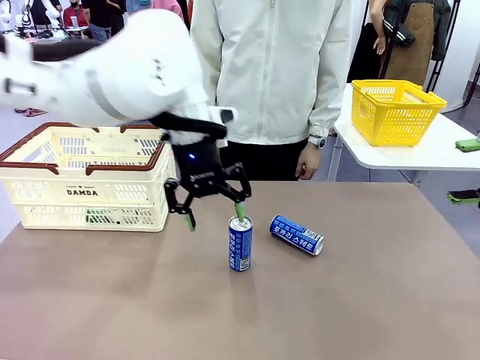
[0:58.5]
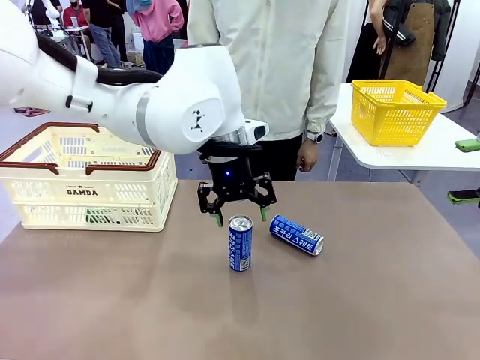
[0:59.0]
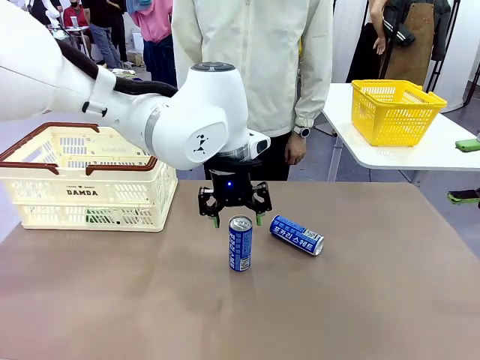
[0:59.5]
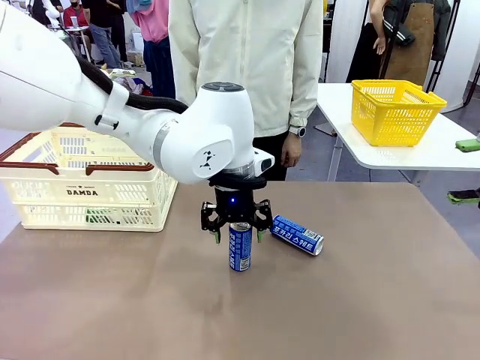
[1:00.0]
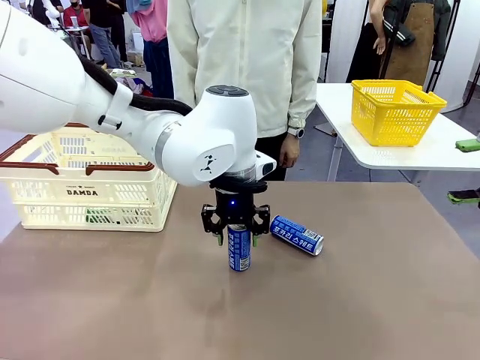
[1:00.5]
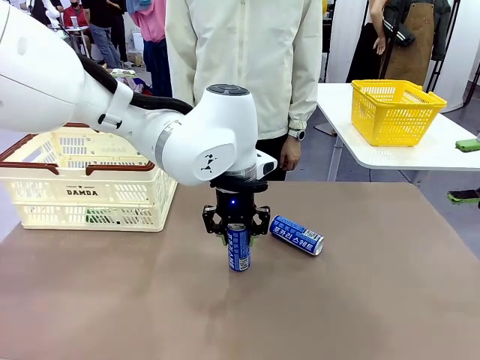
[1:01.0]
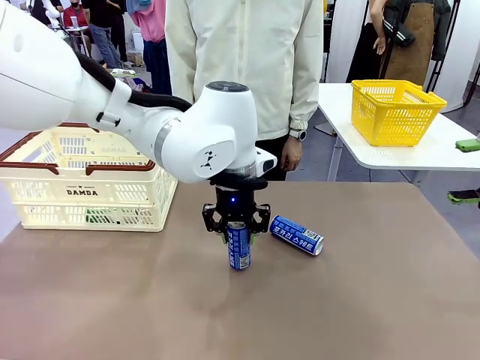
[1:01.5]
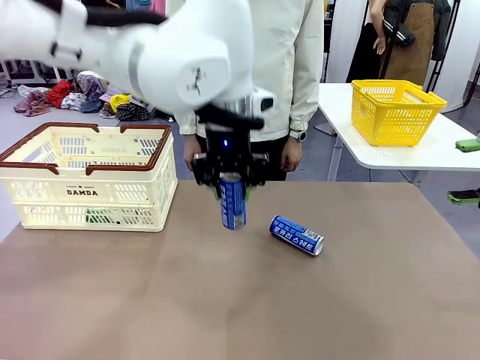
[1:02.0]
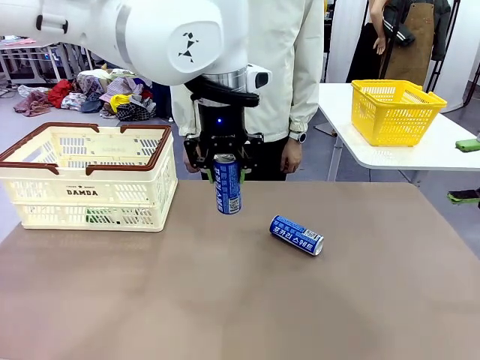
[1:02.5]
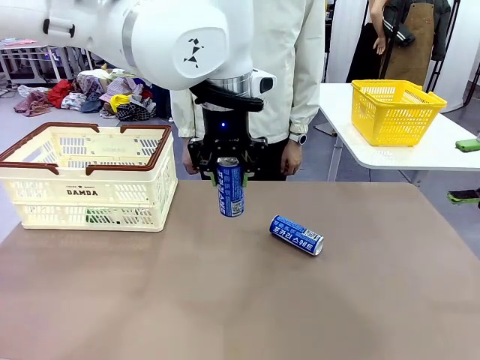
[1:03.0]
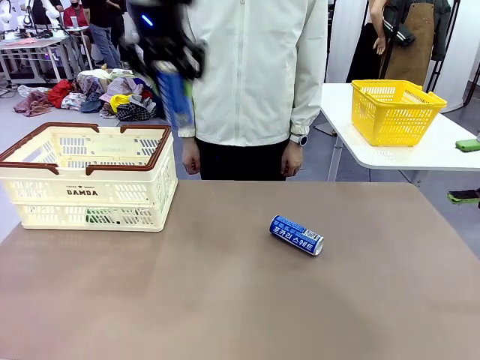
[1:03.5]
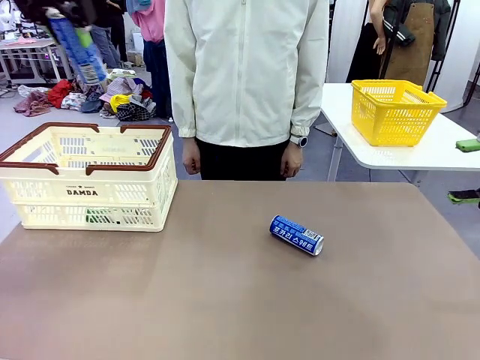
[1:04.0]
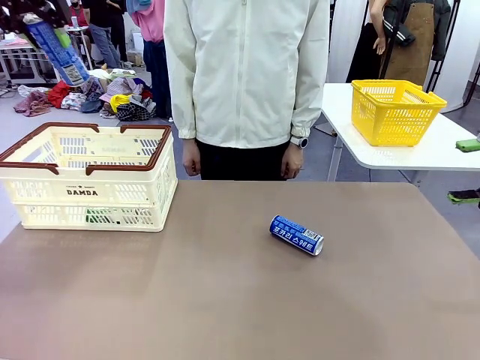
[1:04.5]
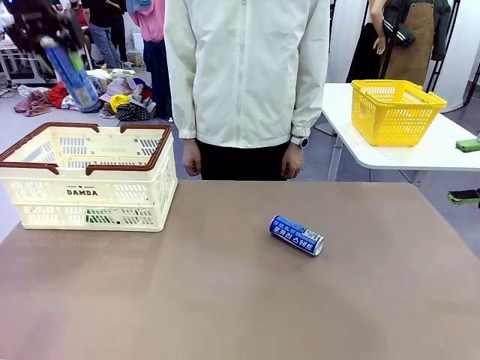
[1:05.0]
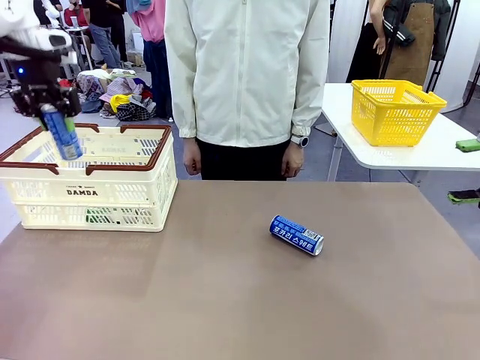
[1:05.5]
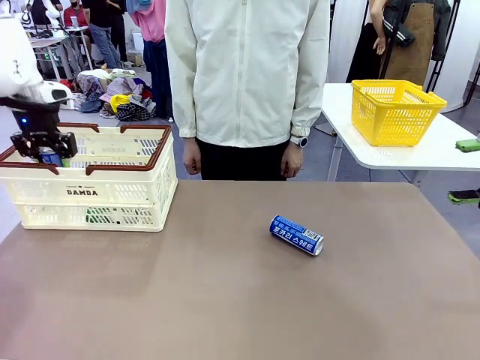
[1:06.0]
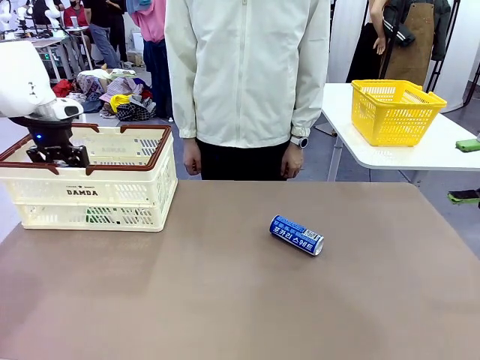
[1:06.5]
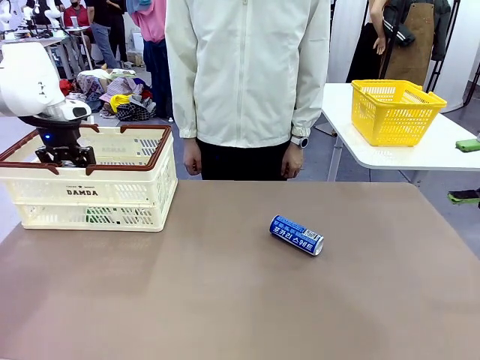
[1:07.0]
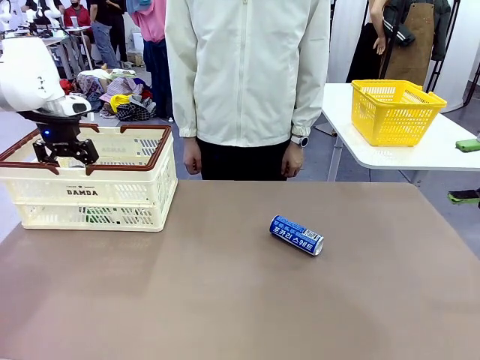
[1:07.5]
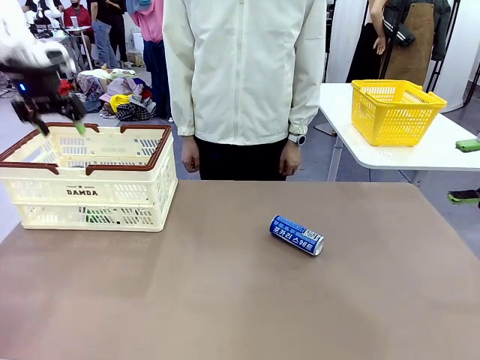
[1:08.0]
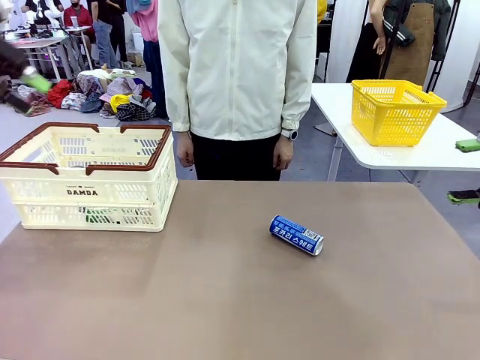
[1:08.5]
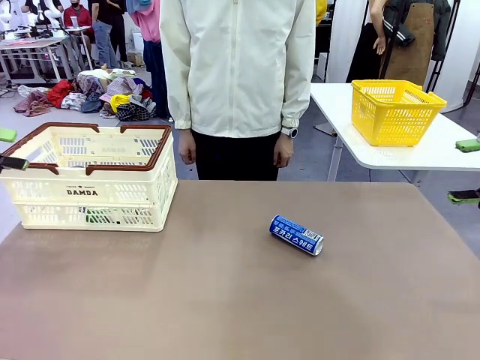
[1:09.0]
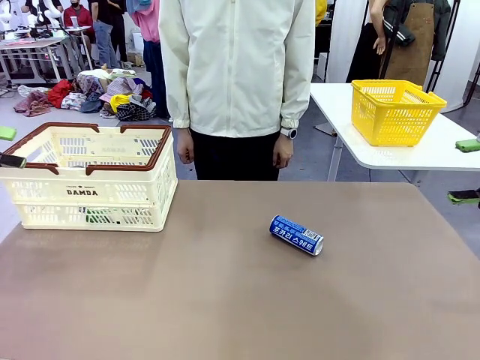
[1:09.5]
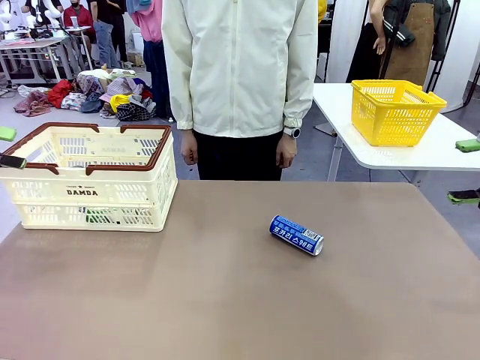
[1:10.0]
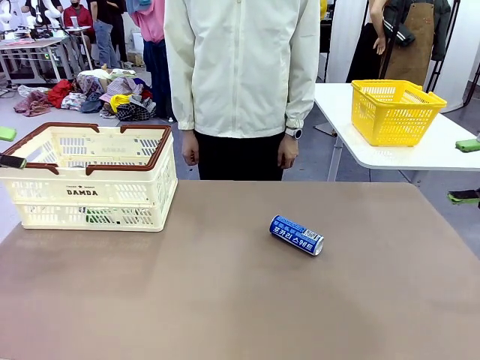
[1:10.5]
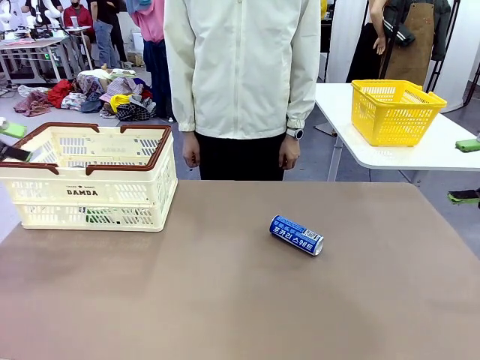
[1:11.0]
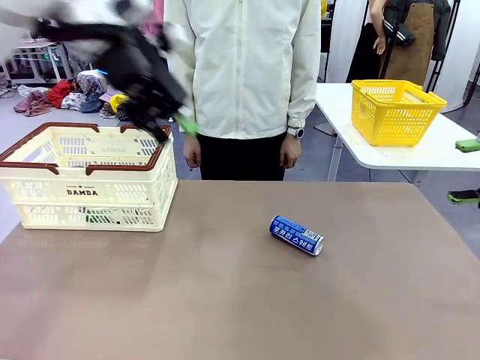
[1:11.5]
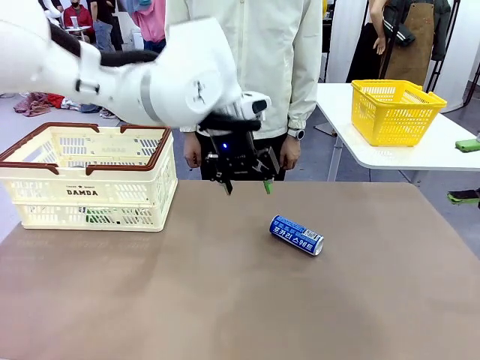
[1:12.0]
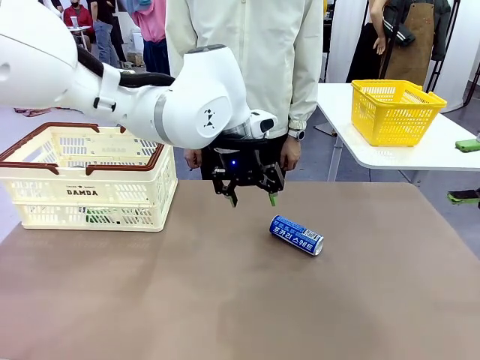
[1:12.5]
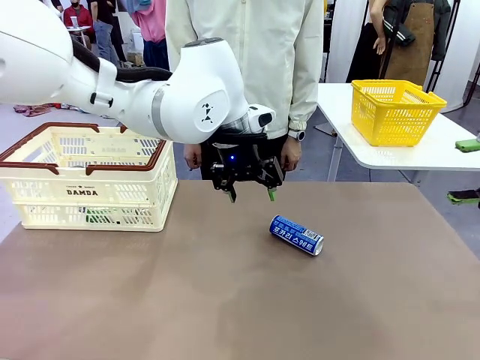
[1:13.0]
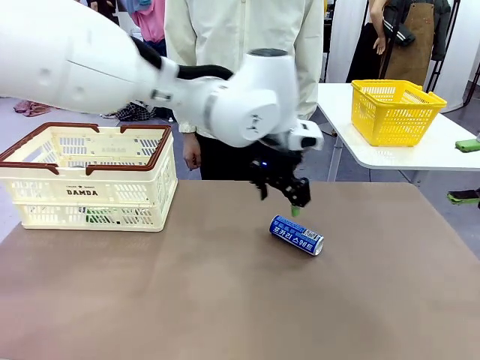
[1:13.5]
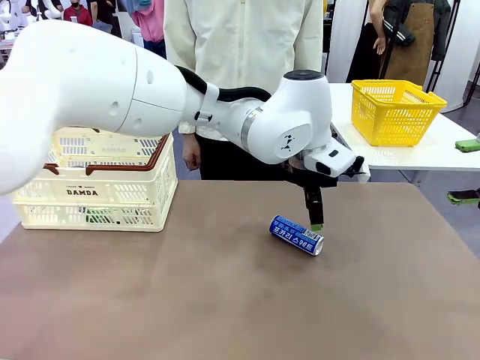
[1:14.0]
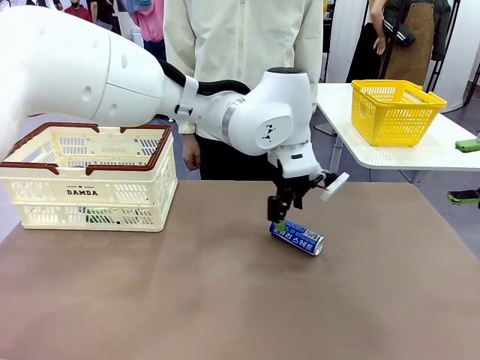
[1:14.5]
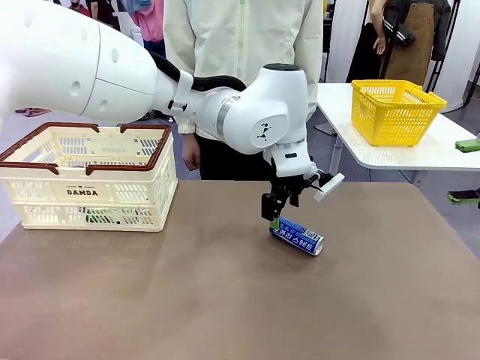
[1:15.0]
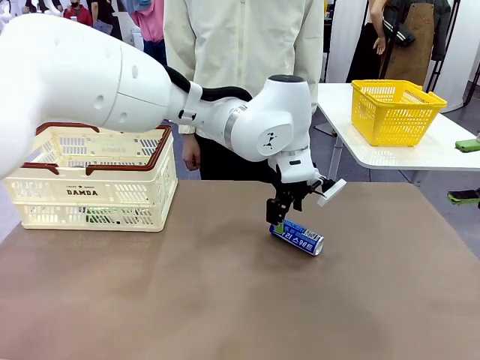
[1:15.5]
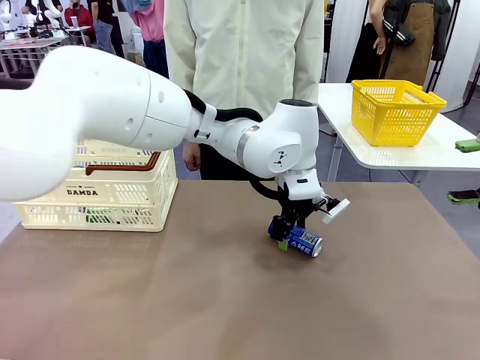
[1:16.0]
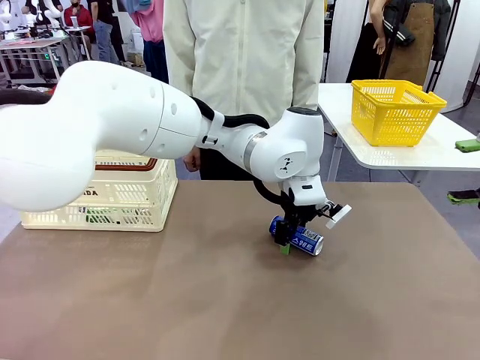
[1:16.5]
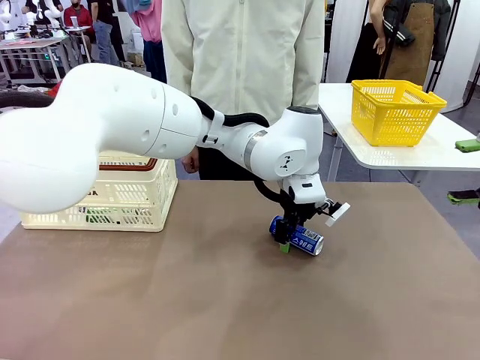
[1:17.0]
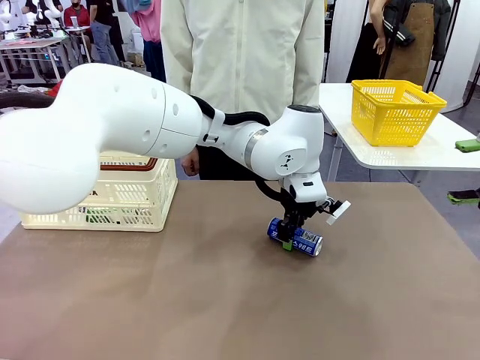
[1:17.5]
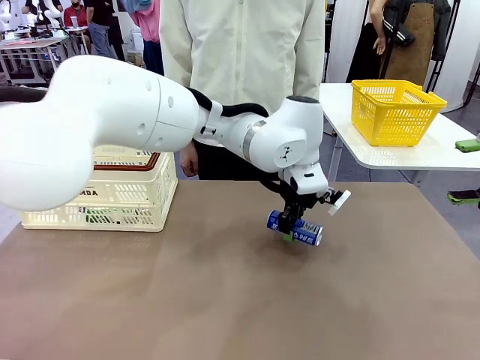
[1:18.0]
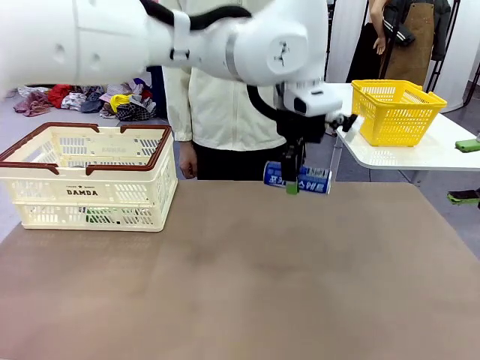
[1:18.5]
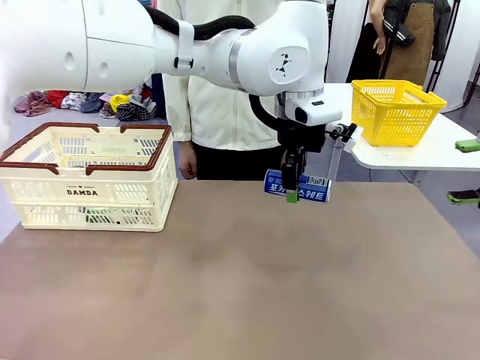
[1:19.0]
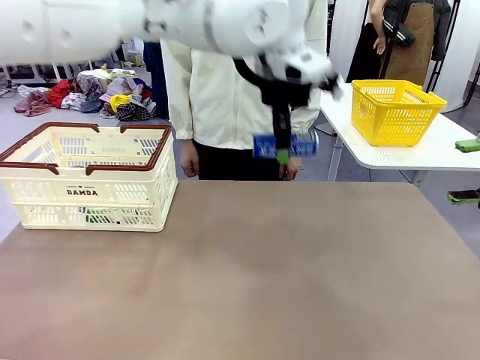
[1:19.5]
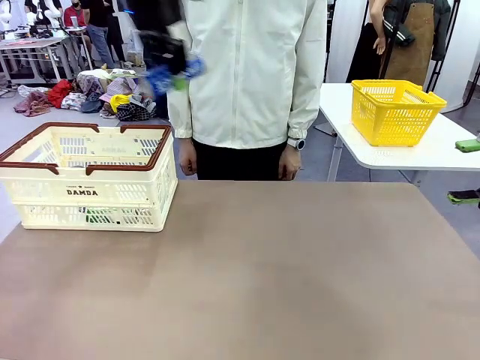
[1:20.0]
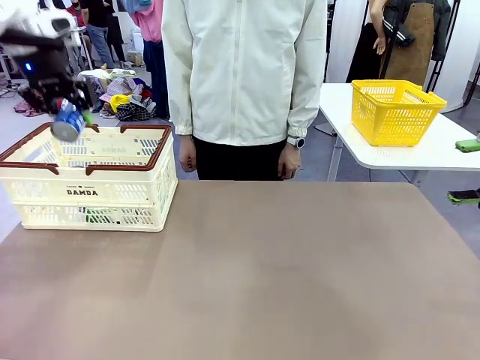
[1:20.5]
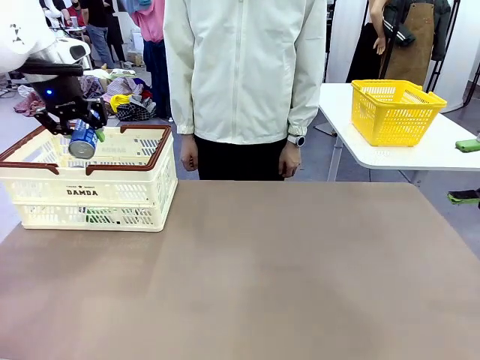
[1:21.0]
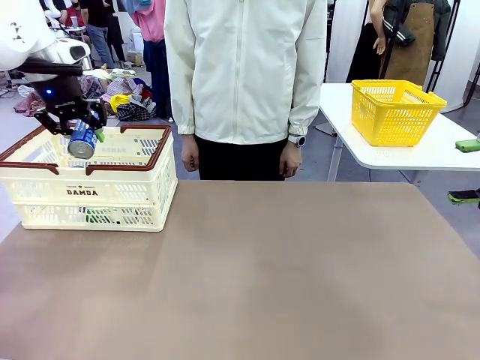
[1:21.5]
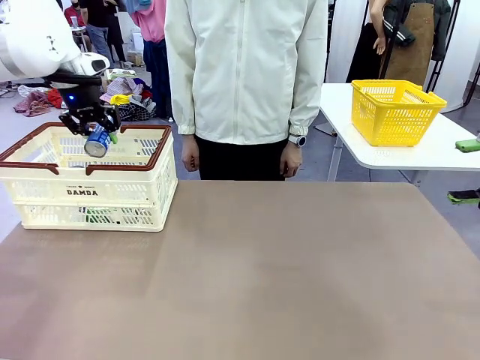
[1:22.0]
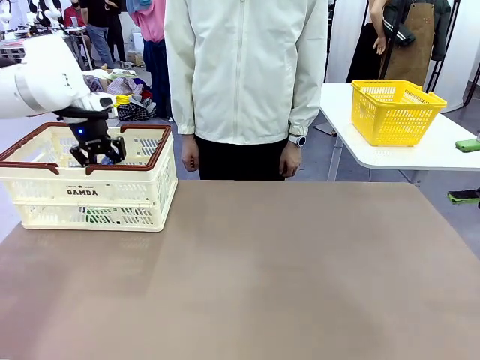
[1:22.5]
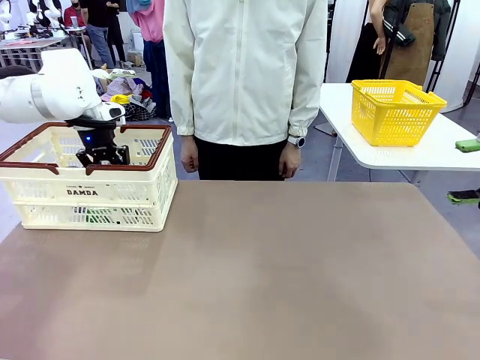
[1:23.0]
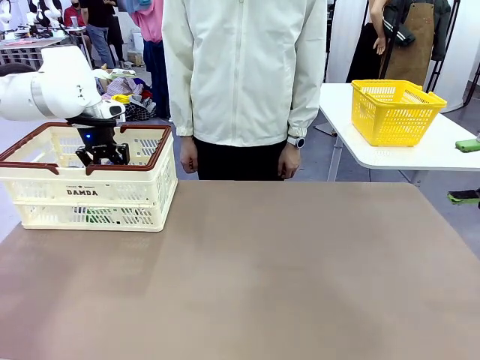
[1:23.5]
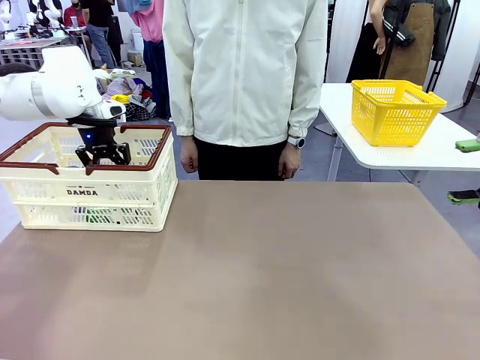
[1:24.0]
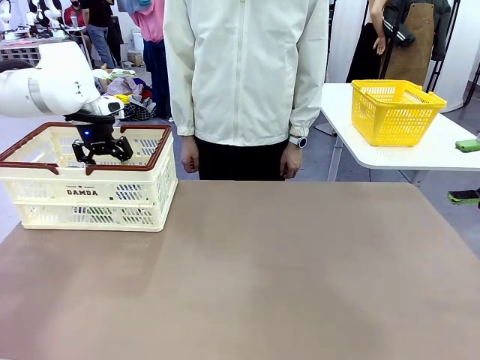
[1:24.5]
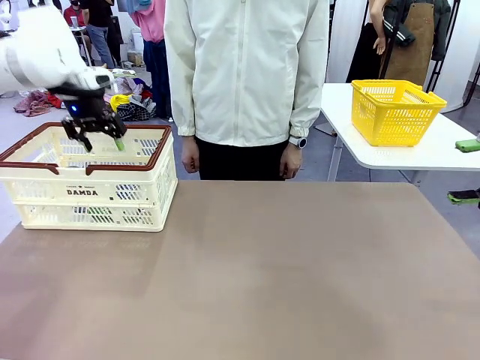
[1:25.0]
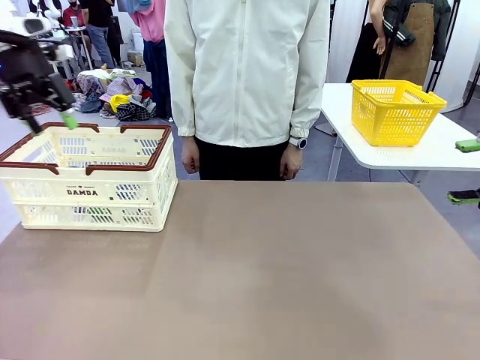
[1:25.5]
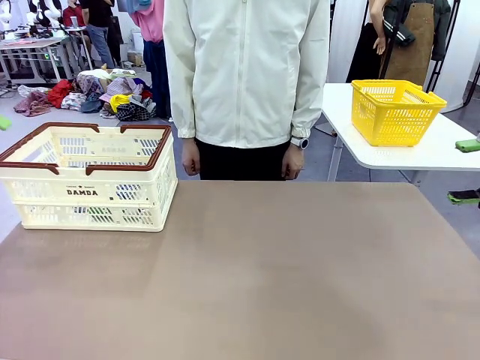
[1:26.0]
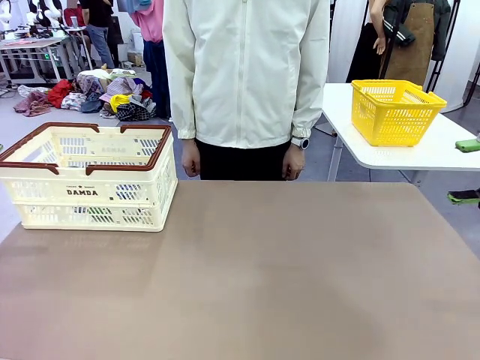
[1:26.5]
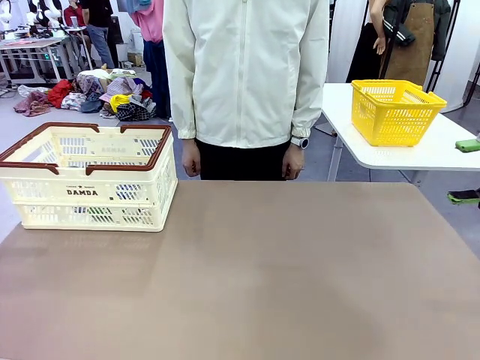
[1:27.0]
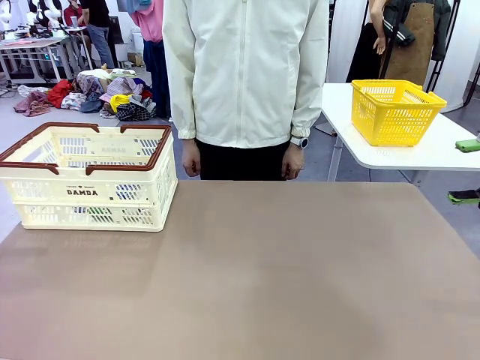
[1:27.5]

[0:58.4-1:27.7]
Task: Place the drinks into the Shopping basket.
Robot: Pick up one drink and place it into the Shopping basket.
